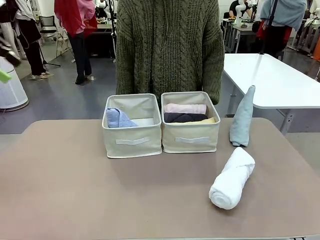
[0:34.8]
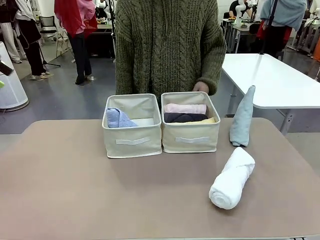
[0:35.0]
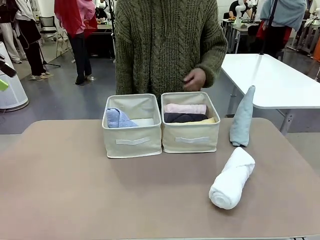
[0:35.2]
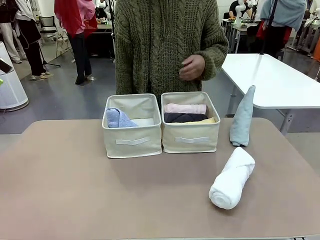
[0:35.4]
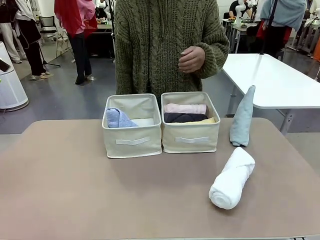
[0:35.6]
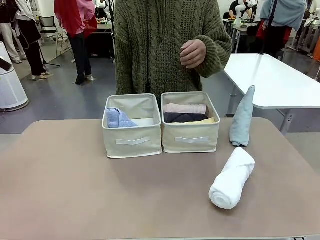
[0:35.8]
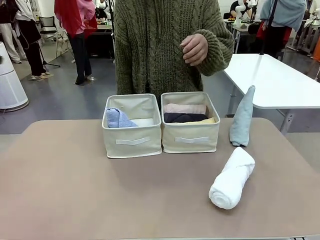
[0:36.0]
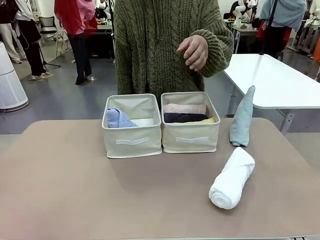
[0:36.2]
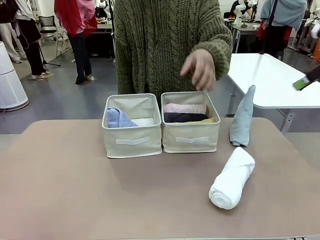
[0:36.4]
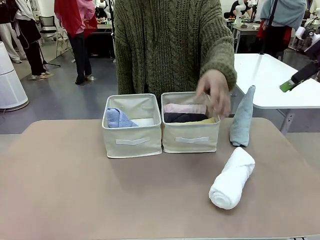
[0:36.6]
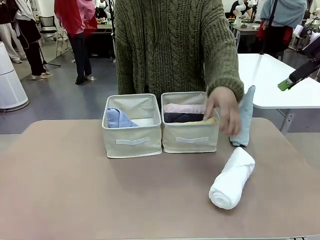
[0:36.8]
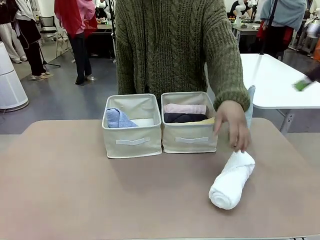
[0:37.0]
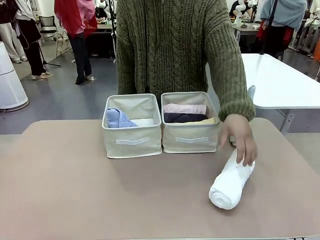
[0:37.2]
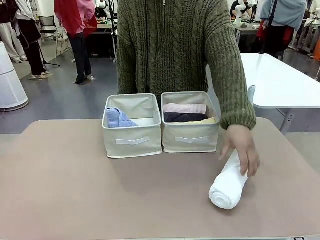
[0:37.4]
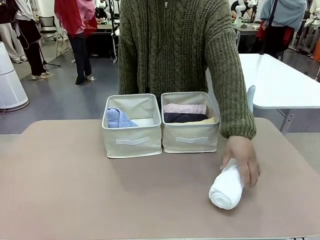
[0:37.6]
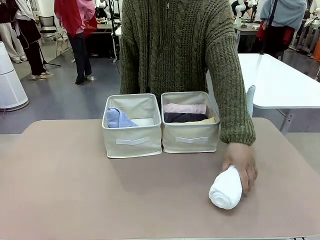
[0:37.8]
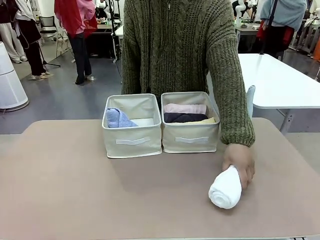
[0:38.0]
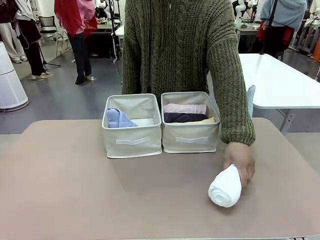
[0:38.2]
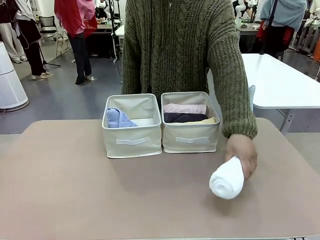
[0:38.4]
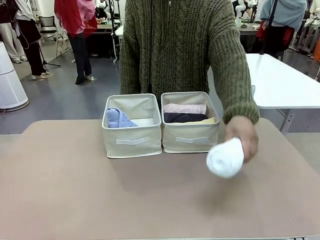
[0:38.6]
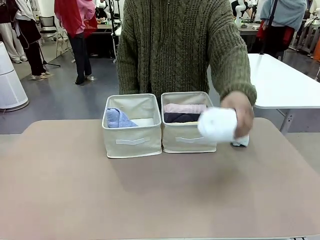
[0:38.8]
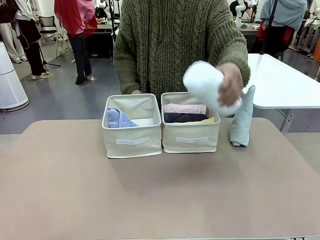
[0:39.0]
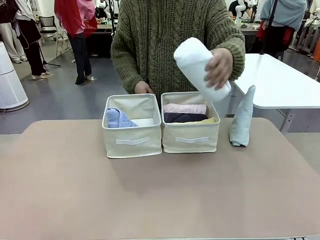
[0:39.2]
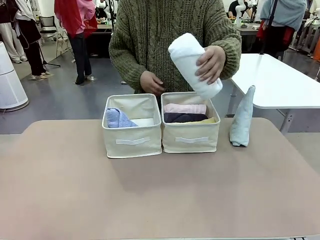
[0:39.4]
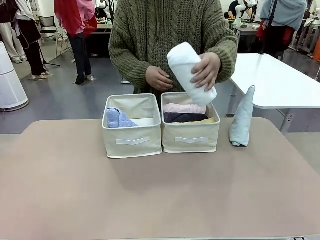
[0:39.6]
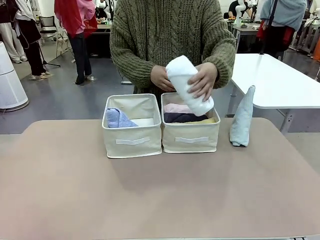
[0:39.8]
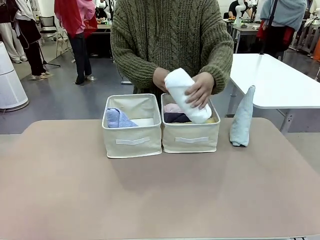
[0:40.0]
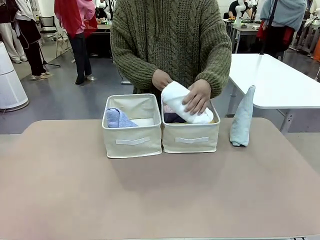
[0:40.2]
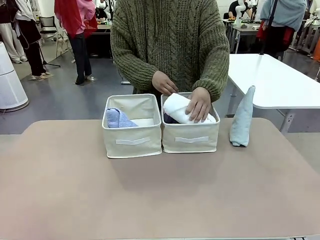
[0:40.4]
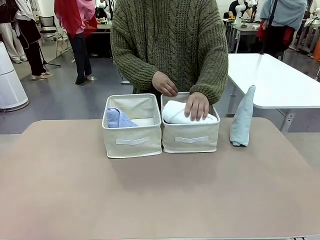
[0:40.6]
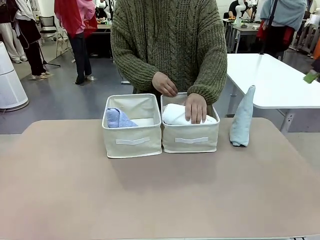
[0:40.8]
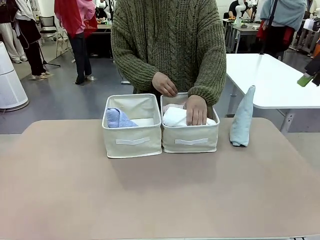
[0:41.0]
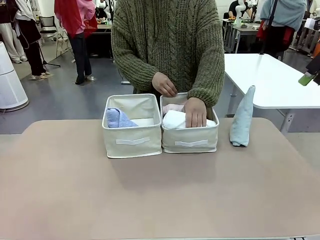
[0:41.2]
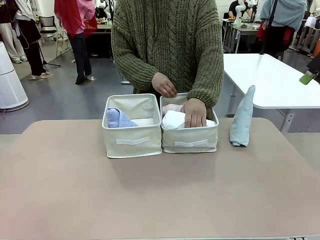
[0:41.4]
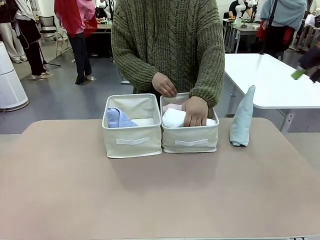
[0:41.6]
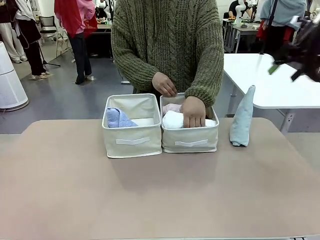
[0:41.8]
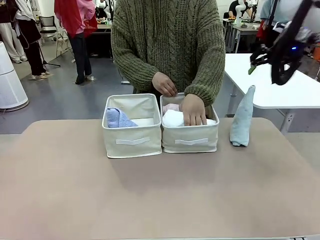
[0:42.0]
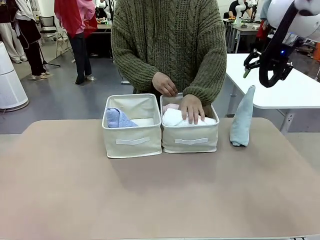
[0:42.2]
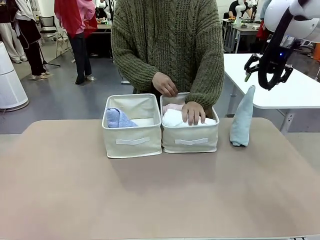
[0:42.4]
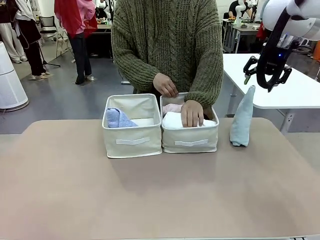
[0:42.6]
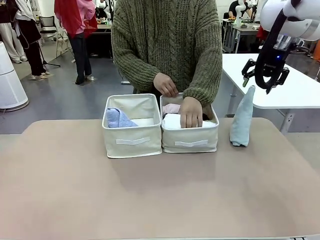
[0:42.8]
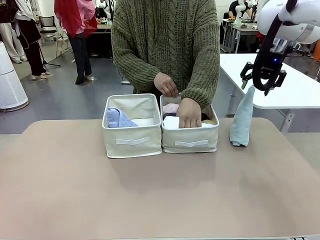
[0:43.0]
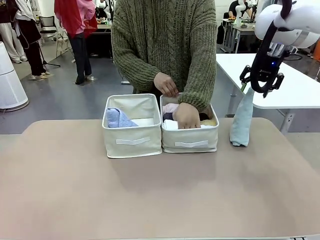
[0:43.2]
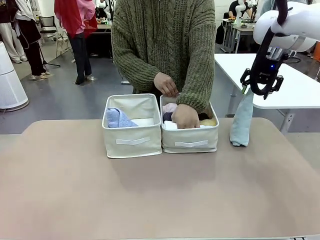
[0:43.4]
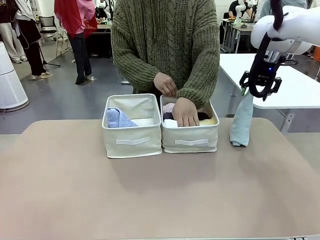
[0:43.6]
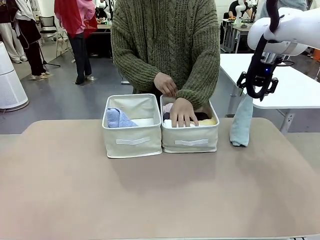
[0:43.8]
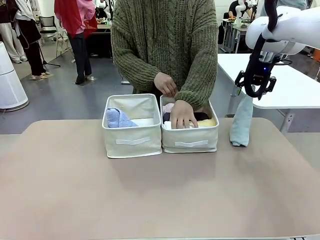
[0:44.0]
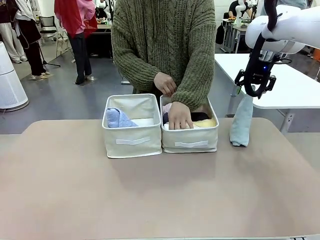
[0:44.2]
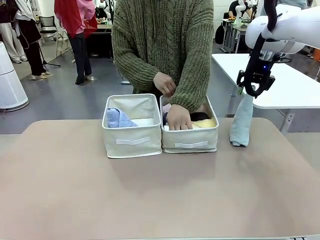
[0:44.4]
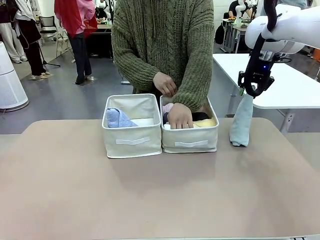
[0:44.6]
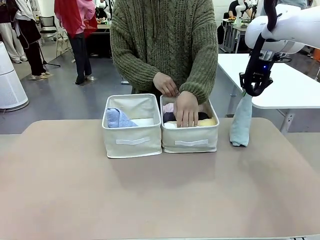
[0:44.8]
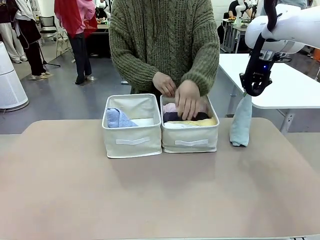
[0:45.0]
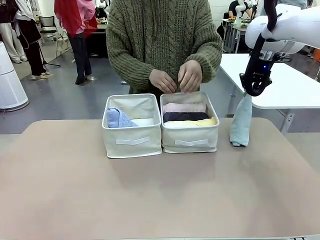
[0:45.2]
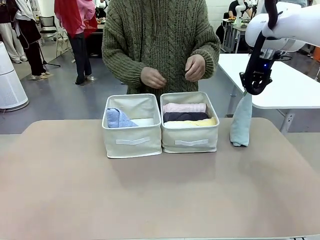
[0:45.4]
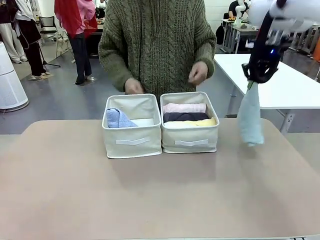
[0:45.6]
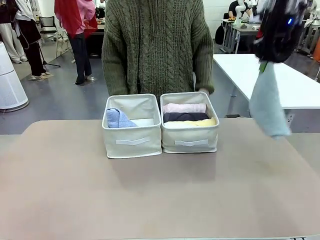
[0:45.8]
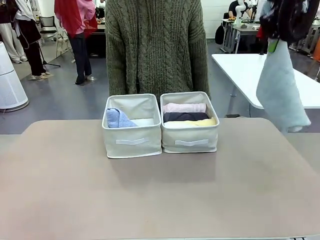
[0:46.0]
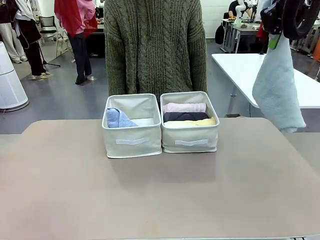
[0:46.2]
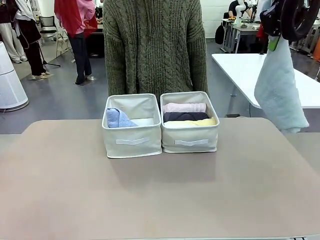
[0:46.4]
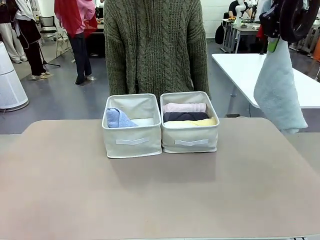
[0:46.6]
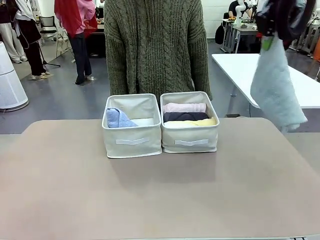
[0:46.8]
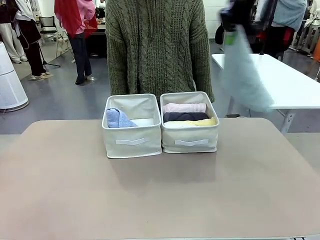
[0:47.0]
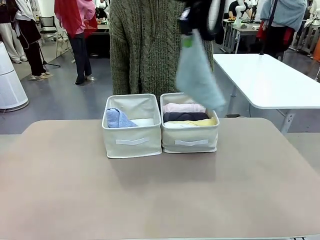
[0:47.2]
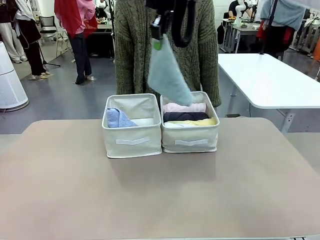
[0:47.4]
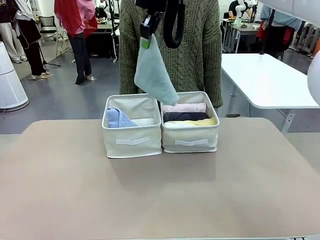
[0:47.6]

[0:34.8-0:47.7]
Task: Sort the towels based on their folding style.
Robot: Pick up another triangle-folded towel from the table and place it in the left Fabric basket.
